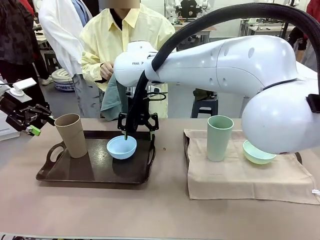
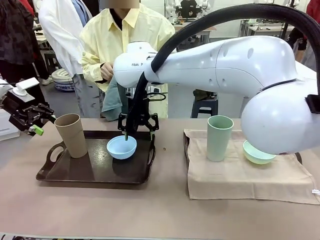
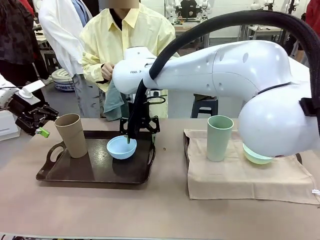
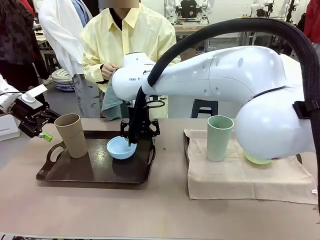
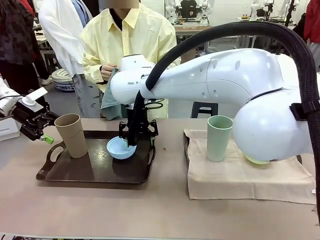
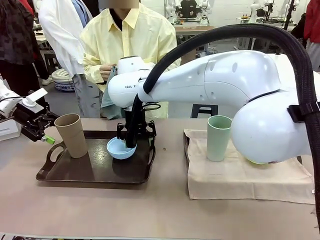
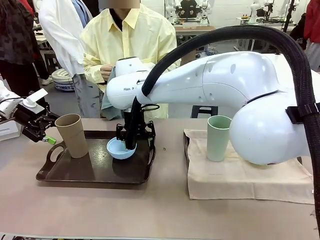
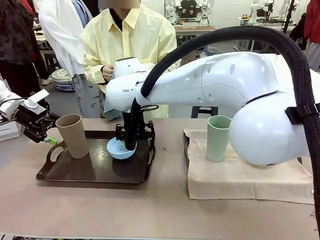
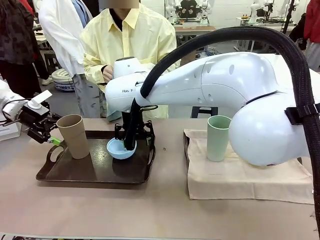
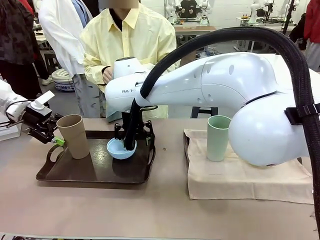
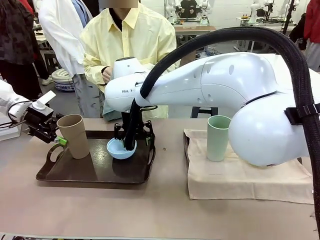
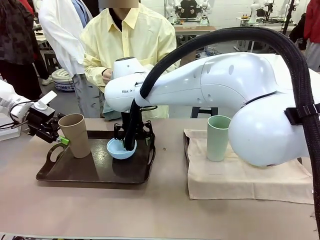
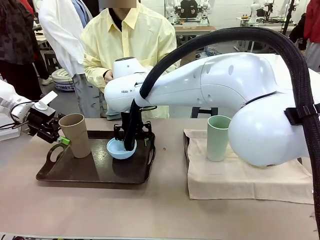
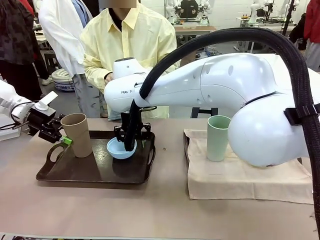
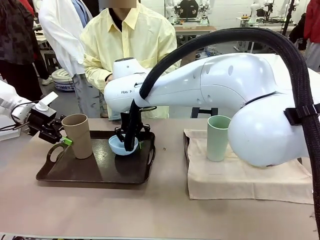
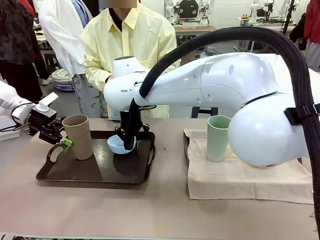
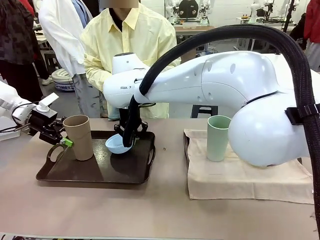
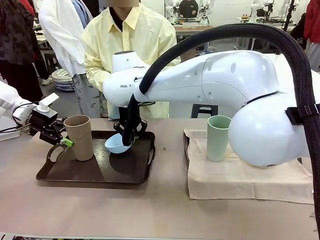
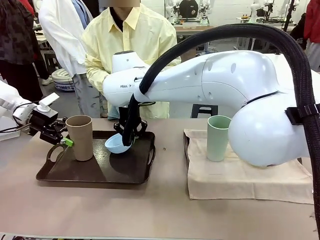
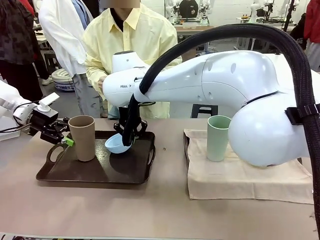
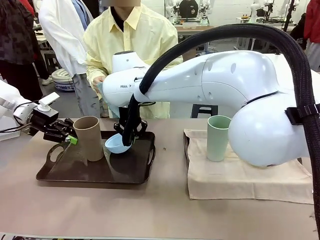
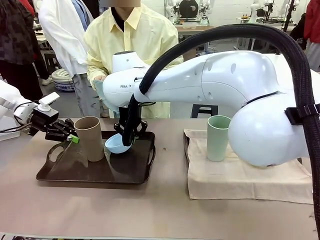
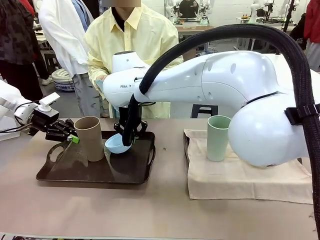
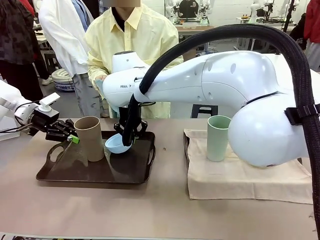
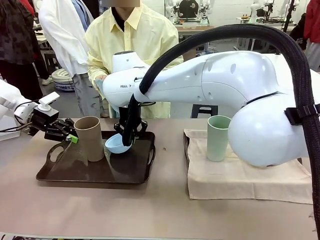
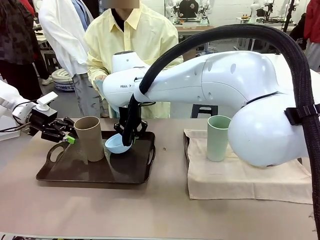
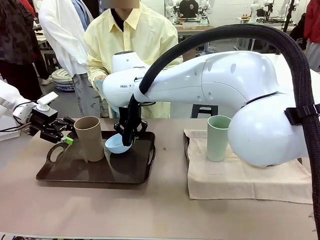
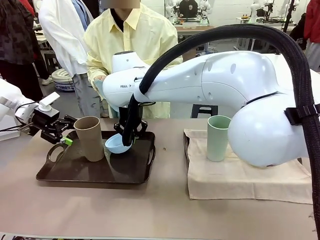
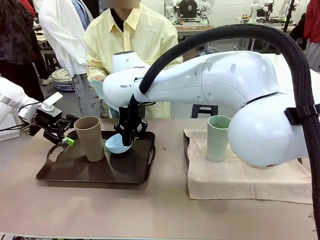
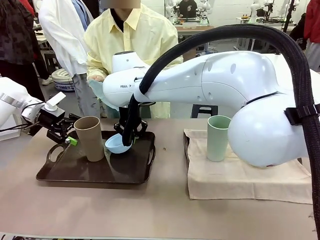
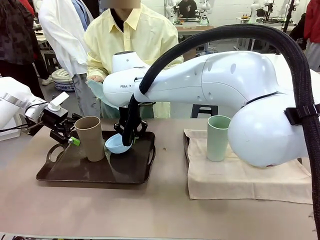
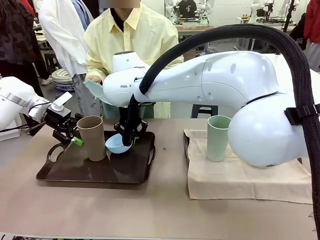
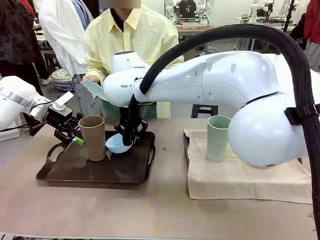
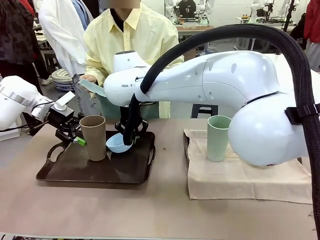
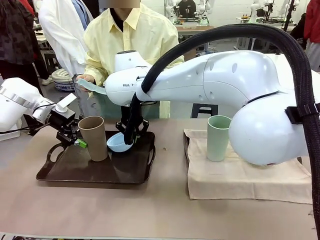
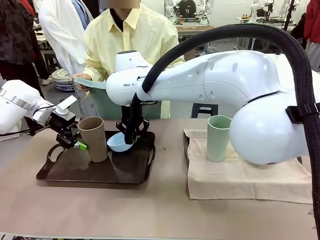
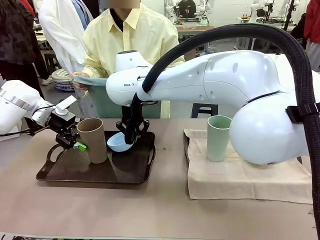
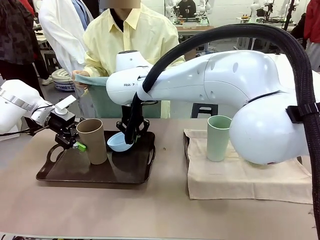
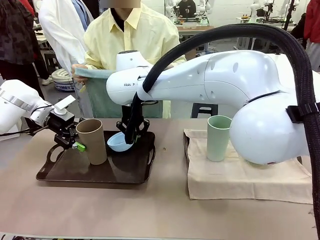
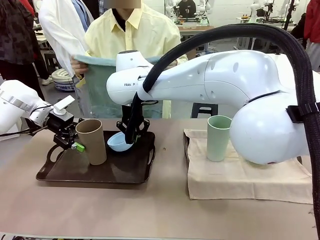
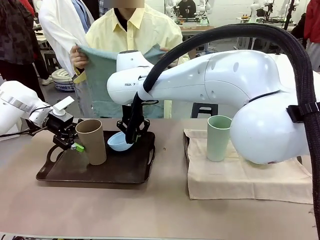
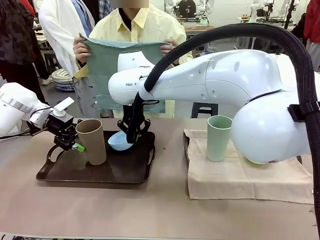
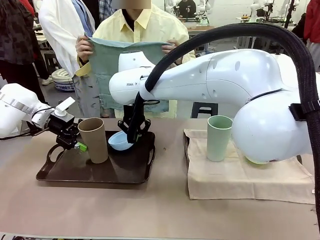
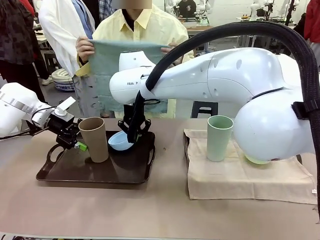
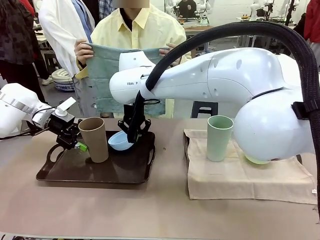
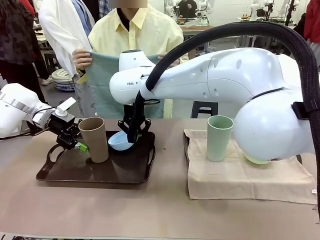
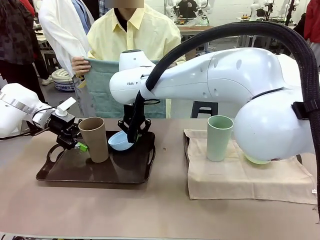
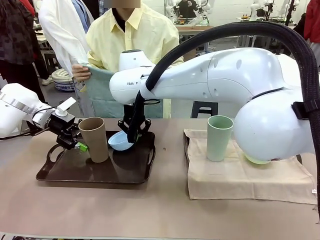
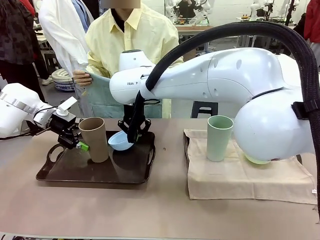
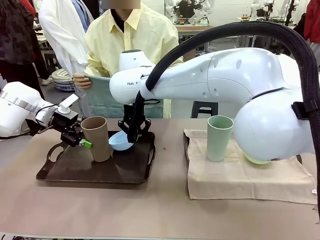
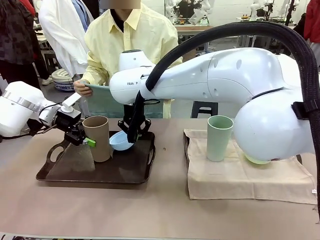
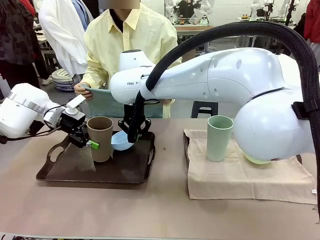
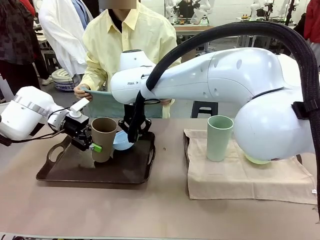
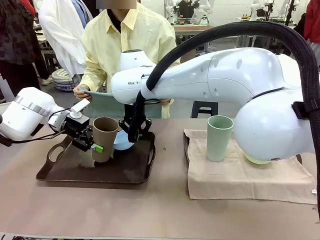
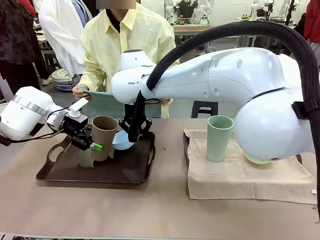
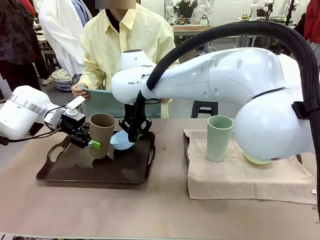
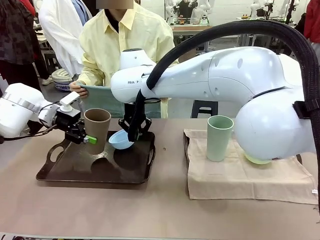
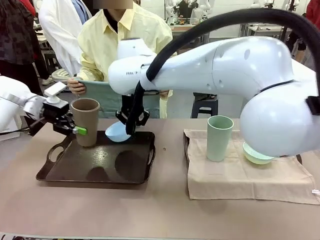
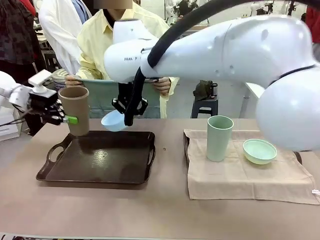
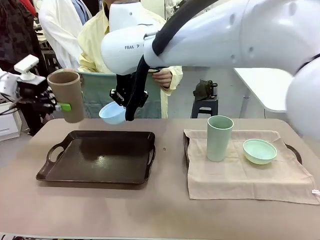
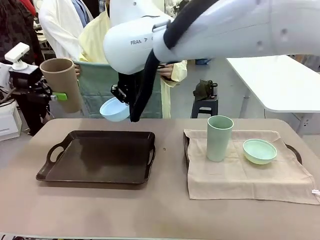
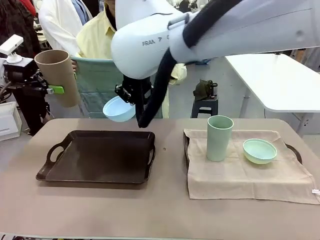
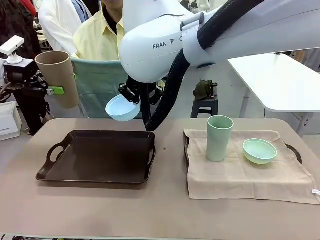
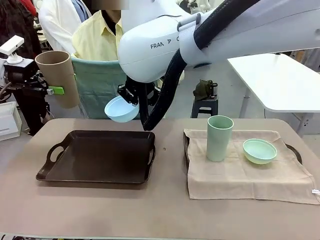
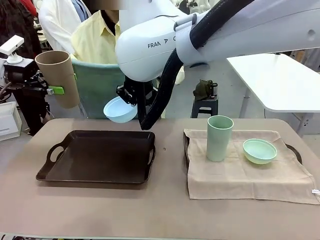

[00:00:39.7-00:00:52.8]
Robot: Pick up the Picnic Bowl and Reusable plastic cup from the Handle tray in front of the human's position and hold them in the air.
